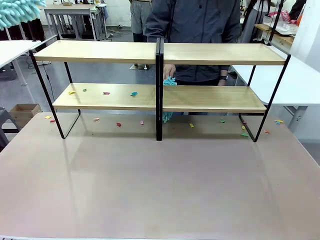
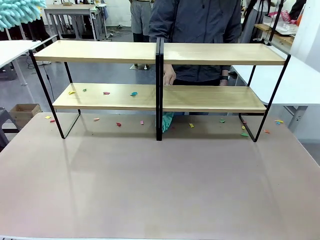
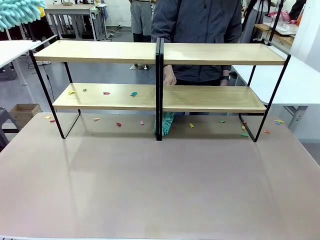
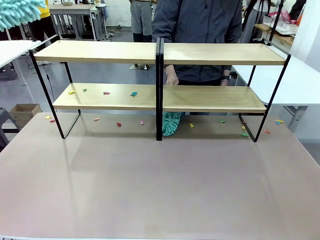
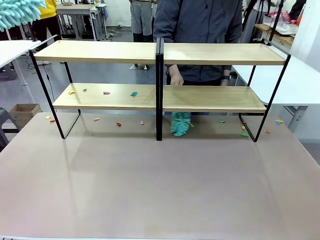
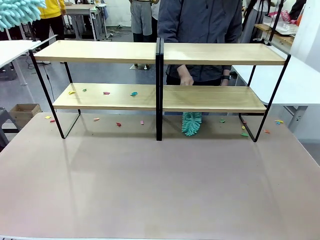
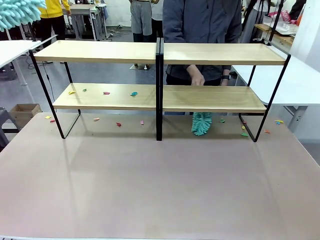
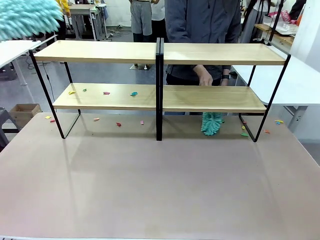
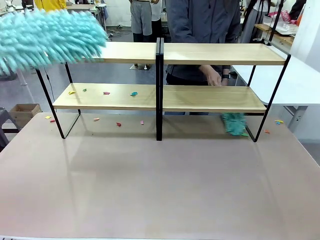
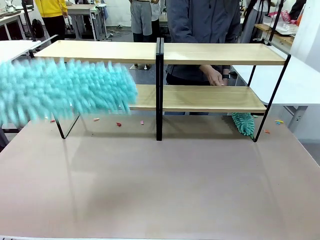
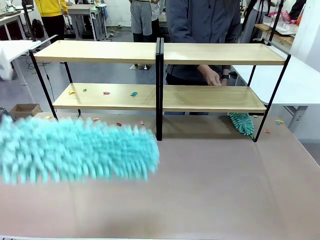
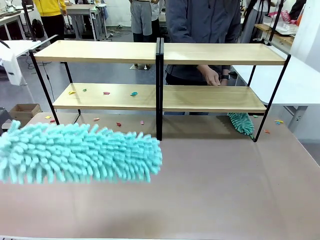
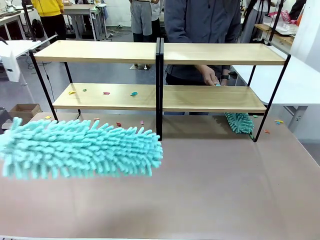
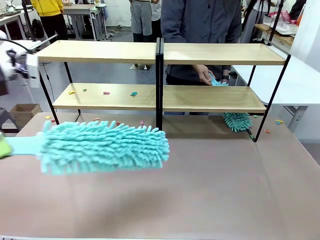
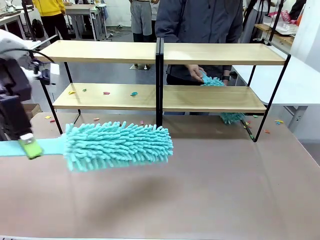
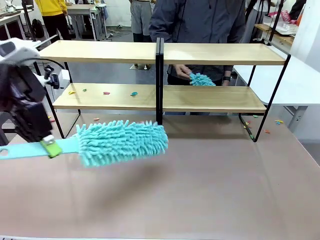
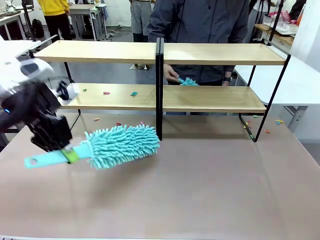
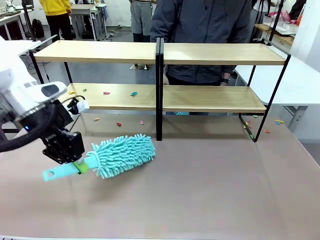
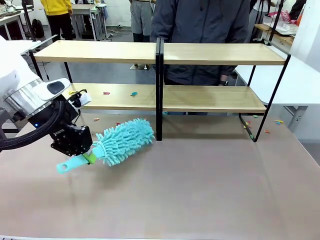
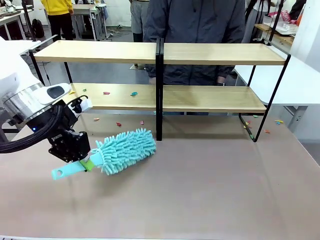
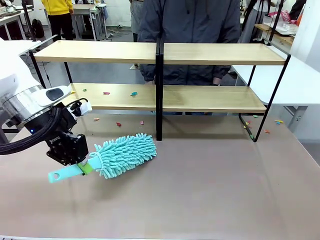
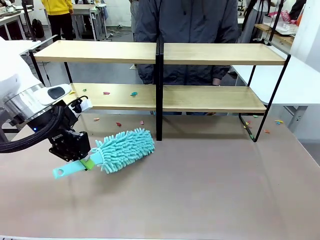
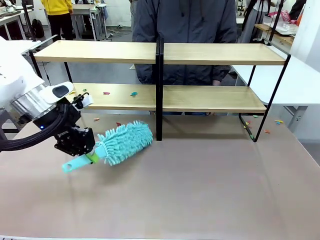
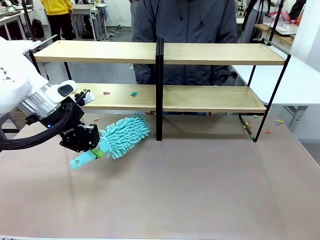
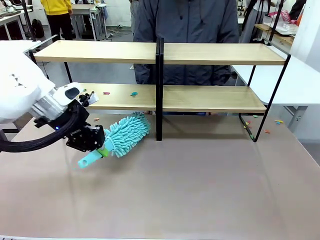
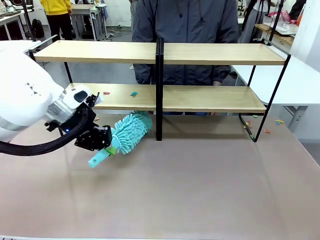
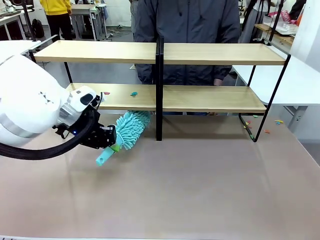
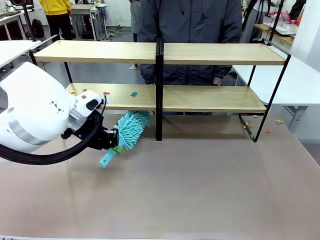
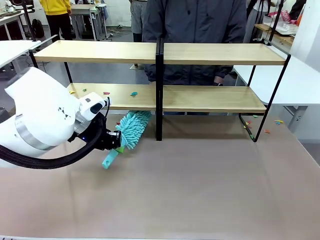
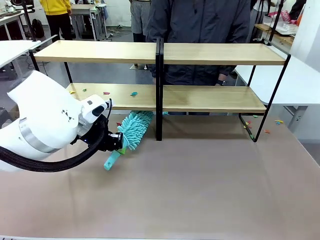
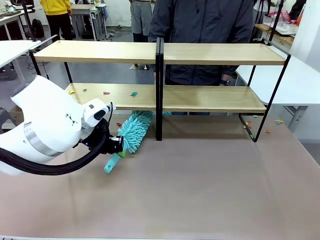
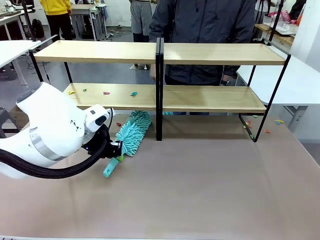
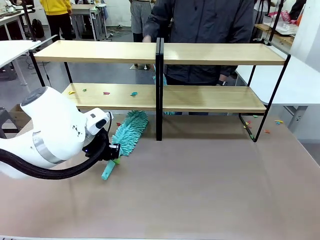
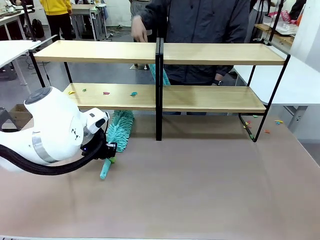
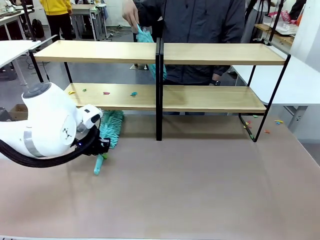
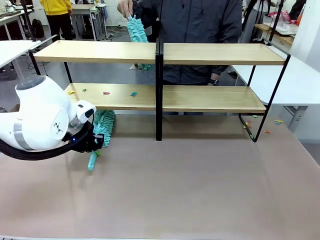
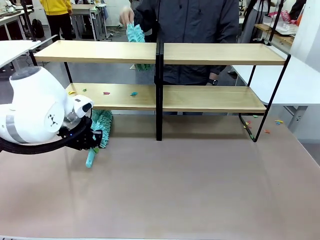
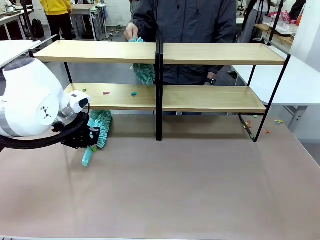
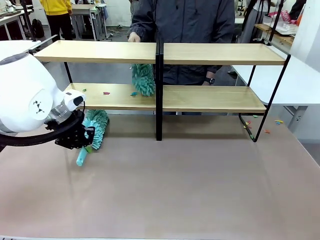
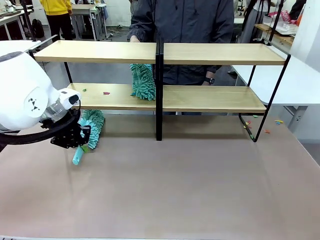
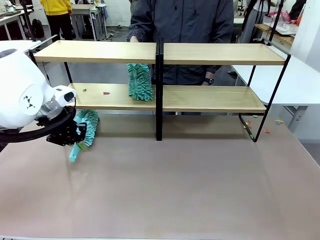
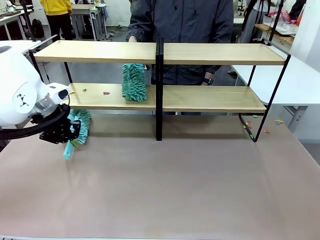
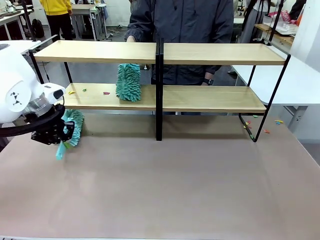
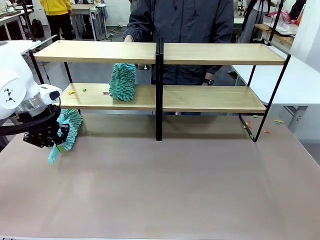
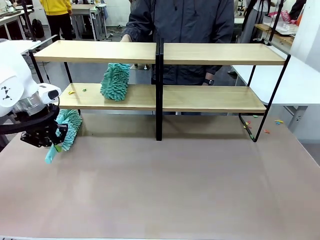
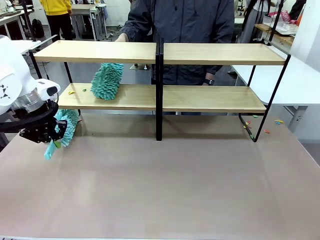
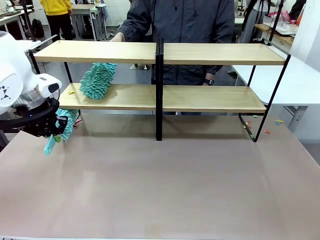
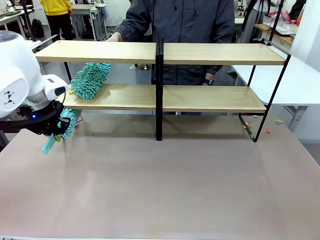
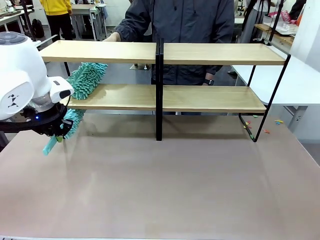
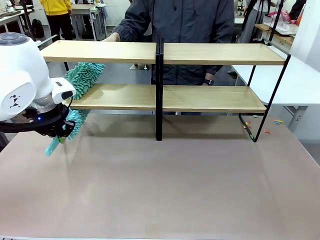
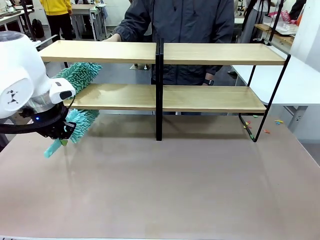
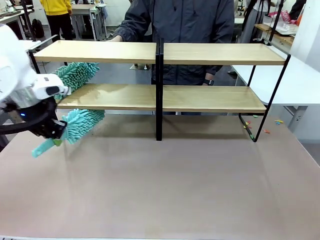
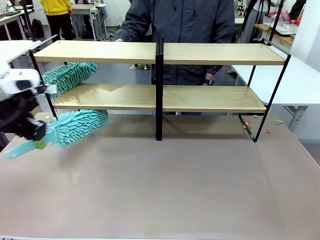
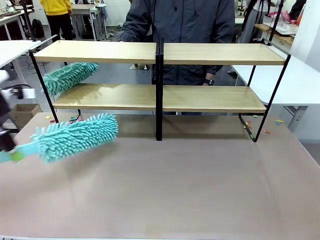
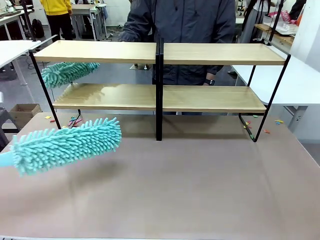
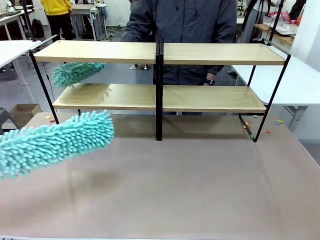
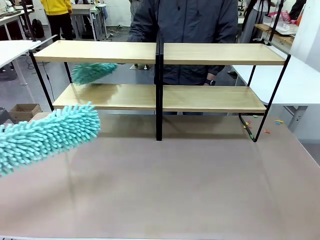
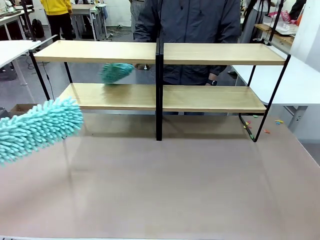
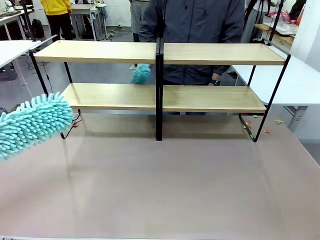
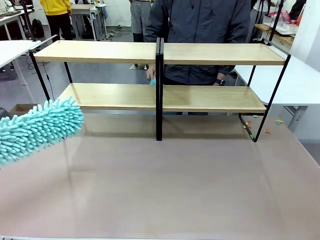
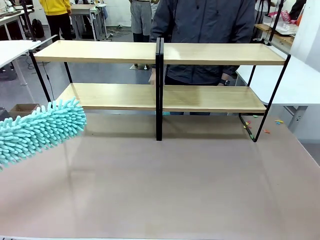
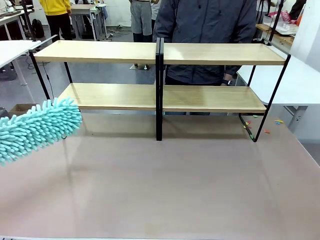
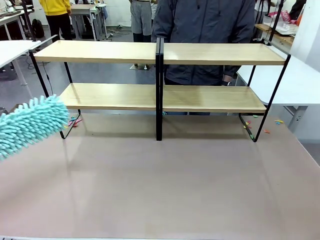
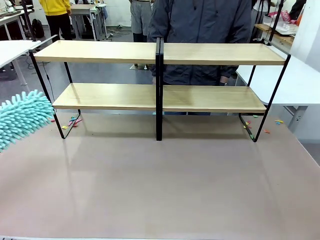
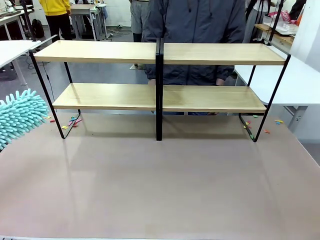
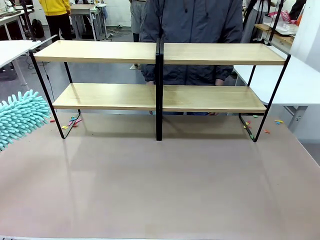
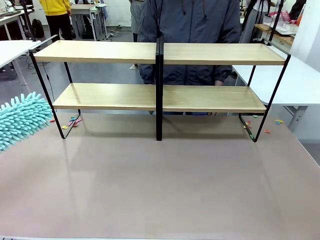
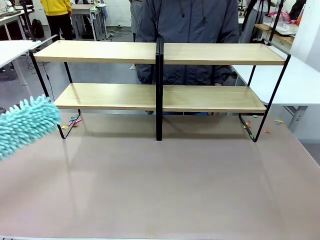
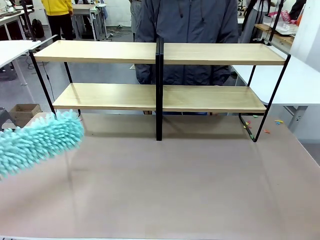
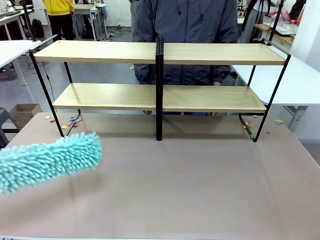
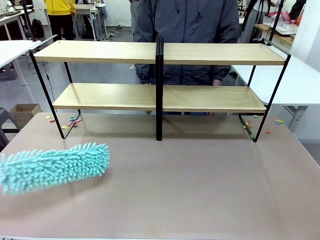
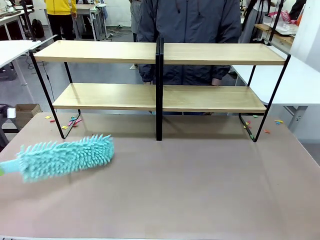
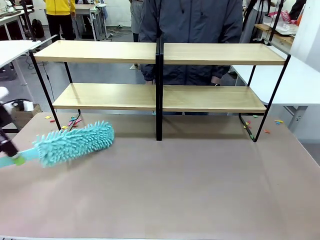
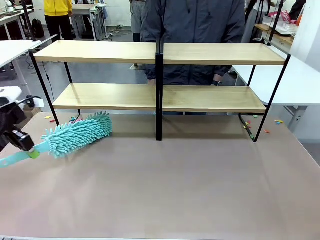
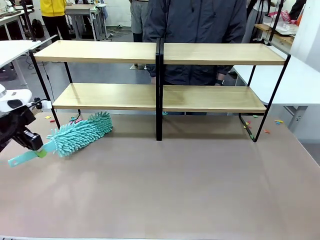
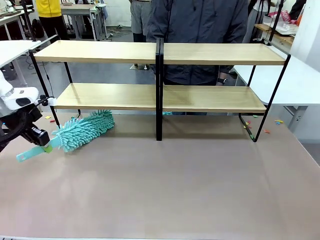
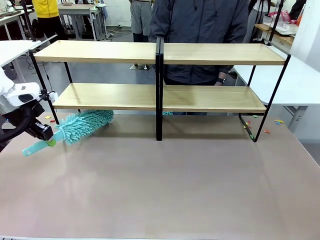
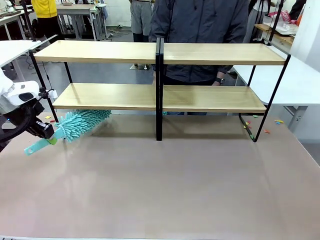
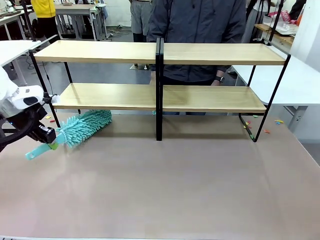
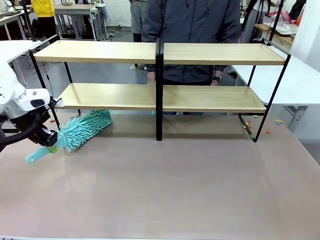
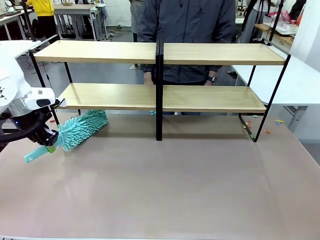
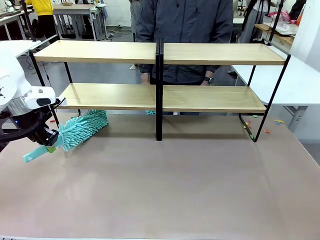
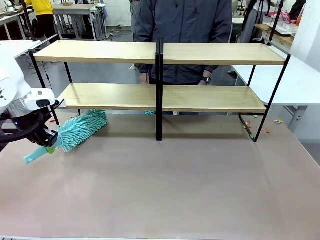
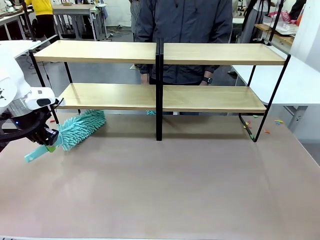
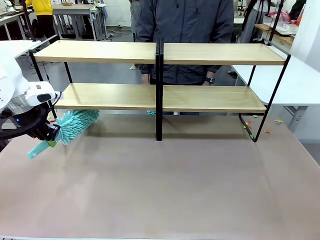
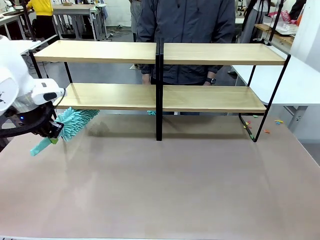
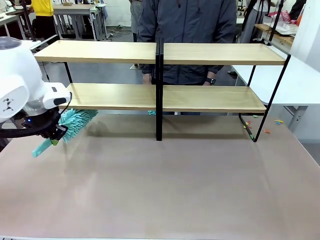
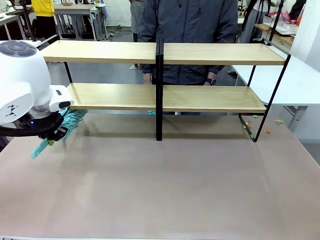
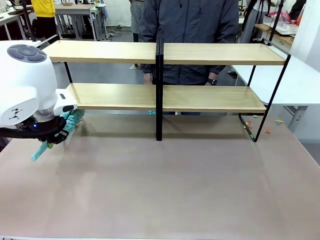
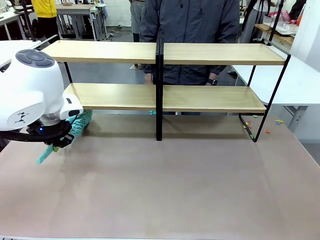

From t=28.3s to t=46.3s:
Task: Clean the shelves.
Robot: Clean another randomly selected level of the Shelf with the Duster.

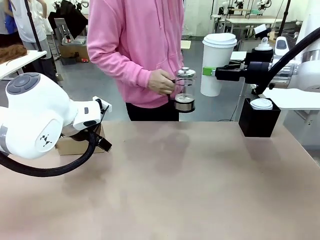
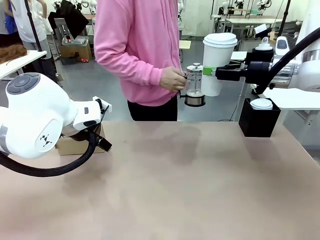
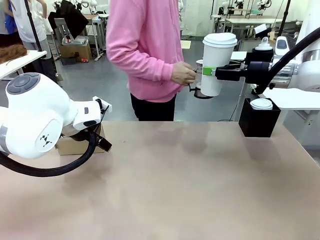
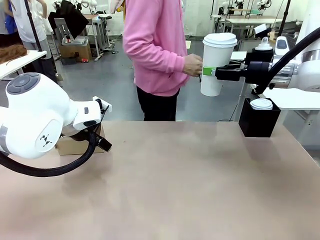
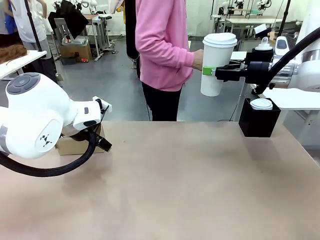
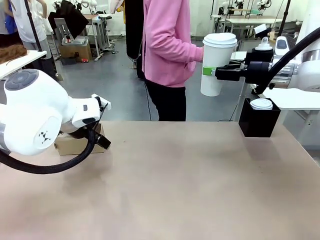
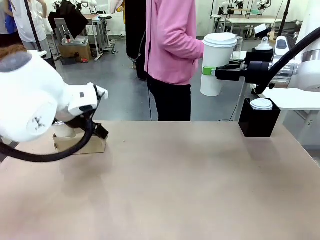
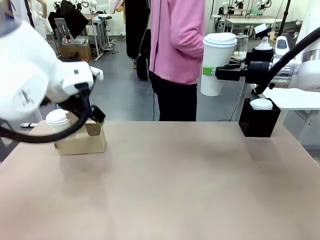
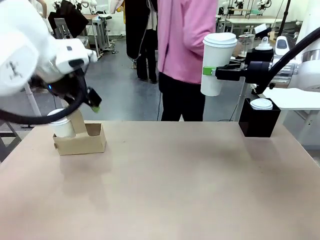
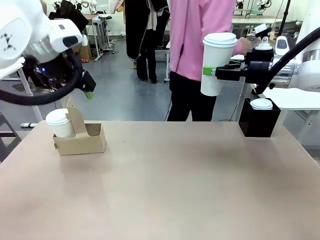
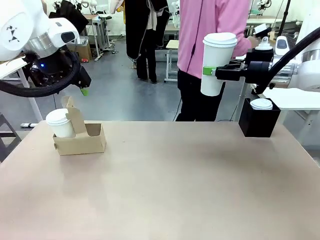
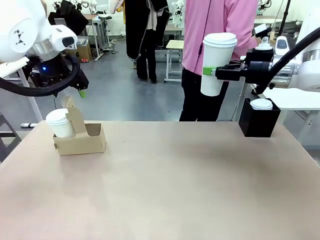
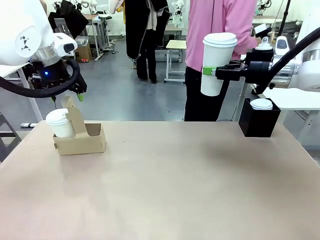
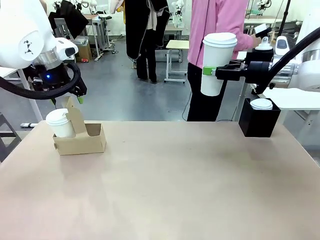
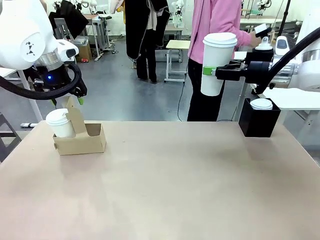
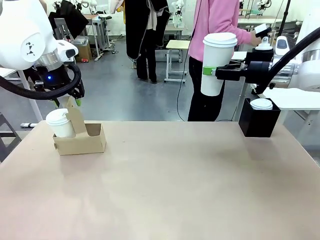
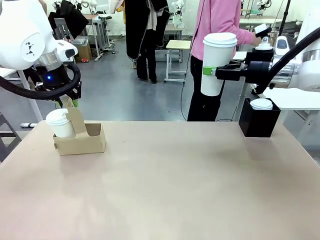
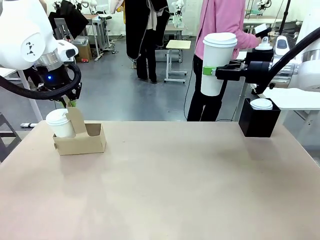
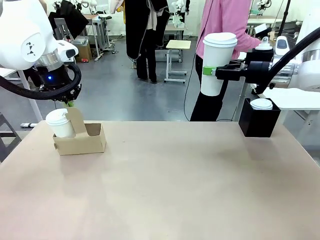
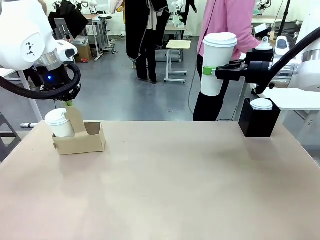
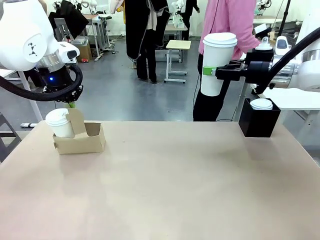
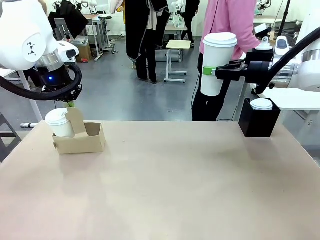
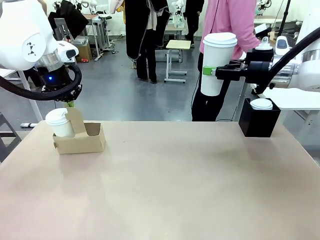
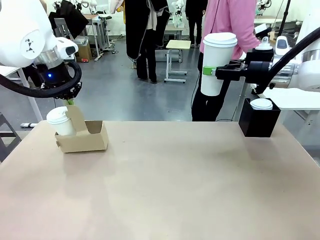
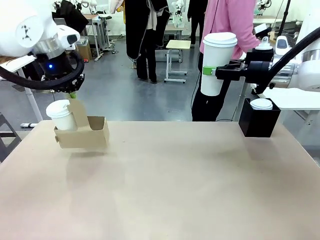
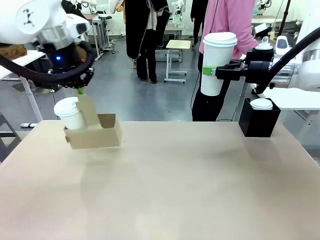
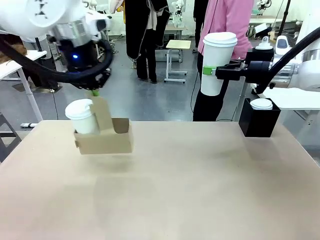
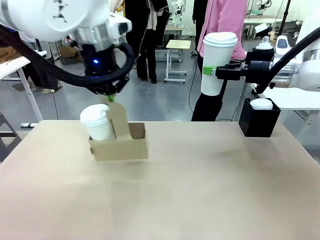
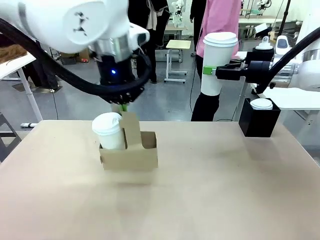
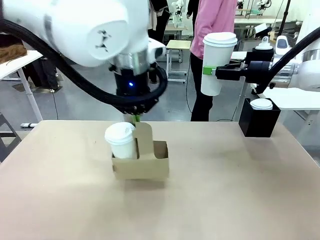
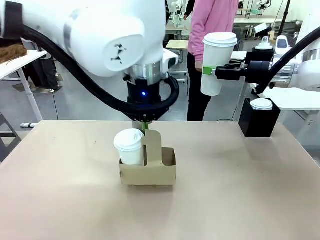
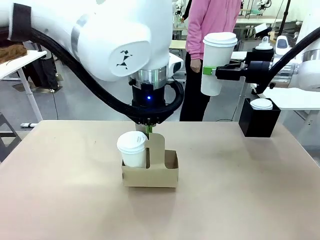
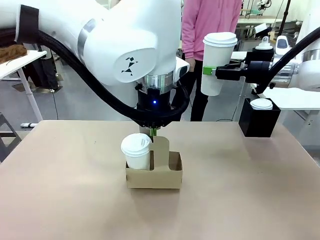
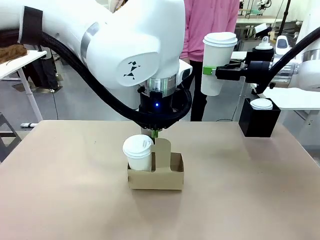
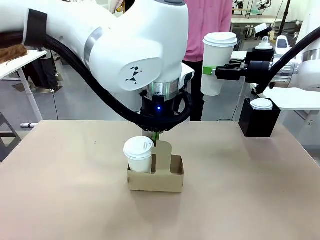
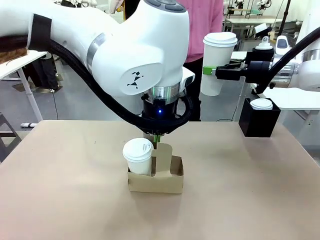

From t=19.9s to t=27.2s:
Task: Pour a drink into a cup and package it in a carrier.
Robot: Position the Cup Carrier in the center of the table.
Person: Pick up the Filter Brewing and place on the middle of Human table, and return to the Robot table.
